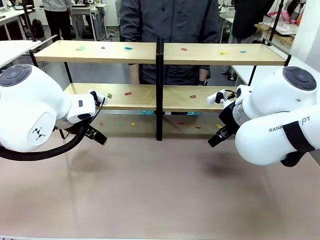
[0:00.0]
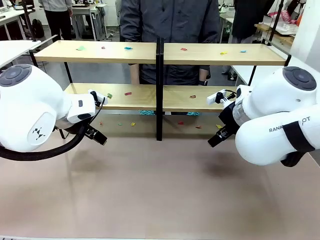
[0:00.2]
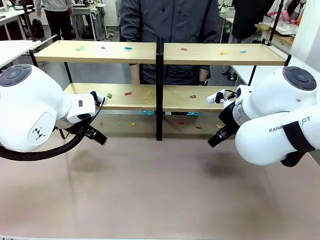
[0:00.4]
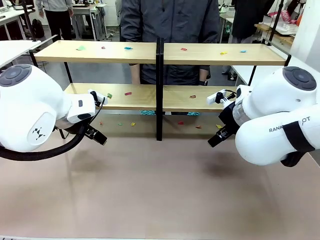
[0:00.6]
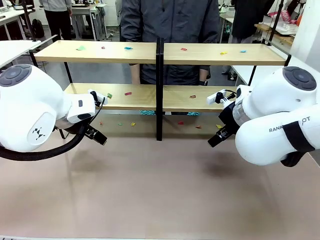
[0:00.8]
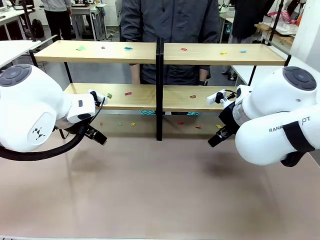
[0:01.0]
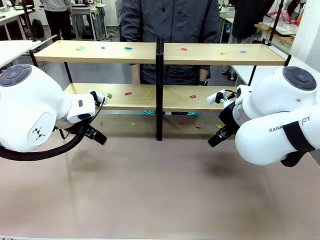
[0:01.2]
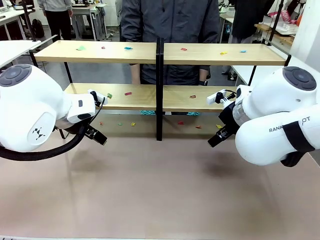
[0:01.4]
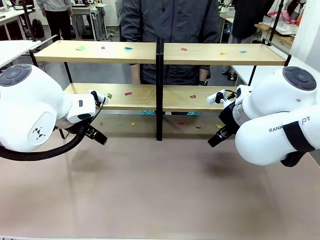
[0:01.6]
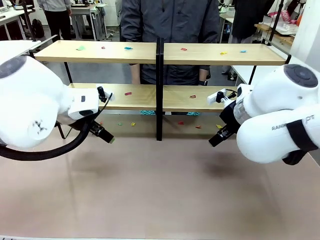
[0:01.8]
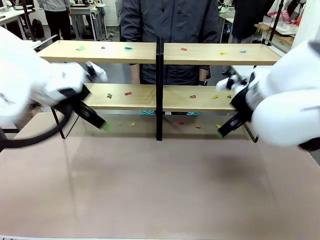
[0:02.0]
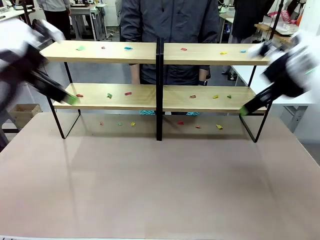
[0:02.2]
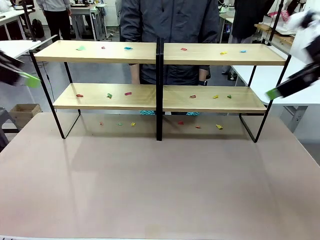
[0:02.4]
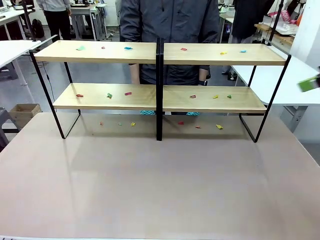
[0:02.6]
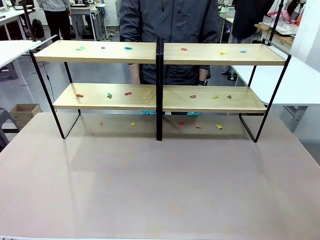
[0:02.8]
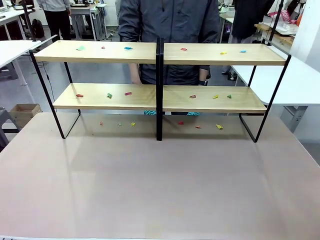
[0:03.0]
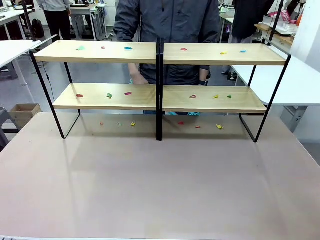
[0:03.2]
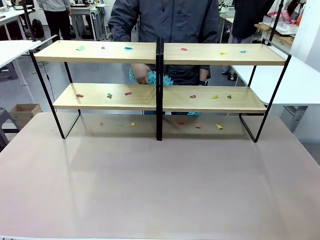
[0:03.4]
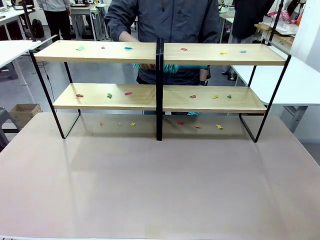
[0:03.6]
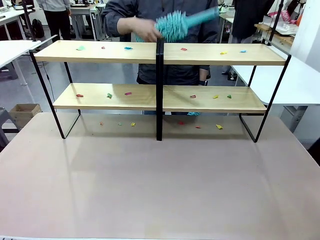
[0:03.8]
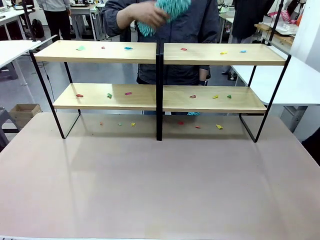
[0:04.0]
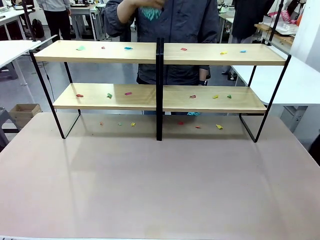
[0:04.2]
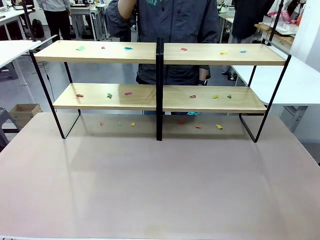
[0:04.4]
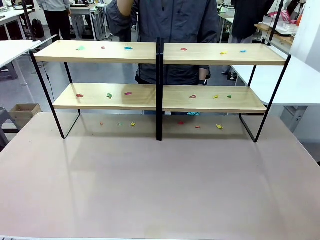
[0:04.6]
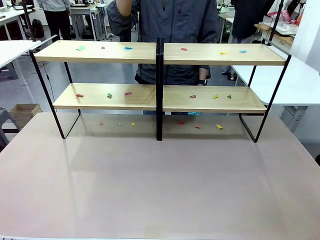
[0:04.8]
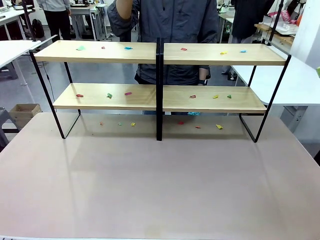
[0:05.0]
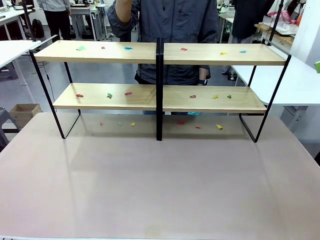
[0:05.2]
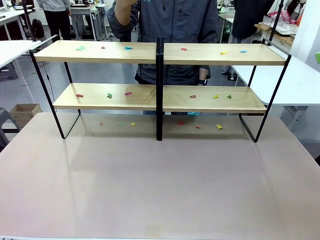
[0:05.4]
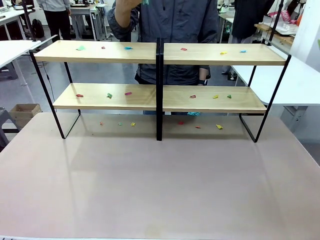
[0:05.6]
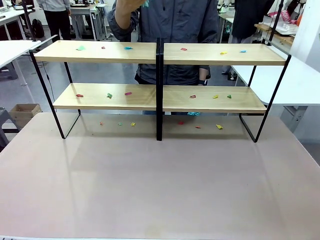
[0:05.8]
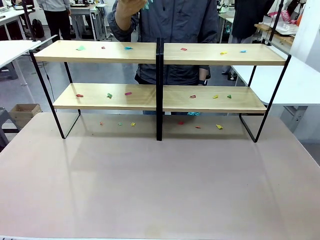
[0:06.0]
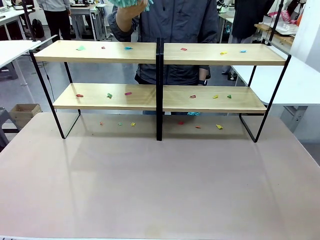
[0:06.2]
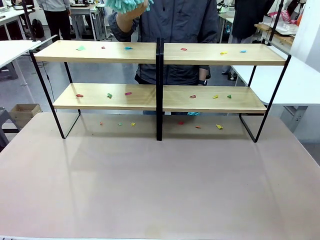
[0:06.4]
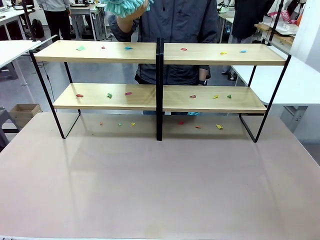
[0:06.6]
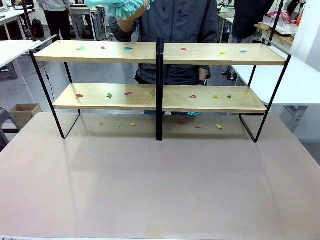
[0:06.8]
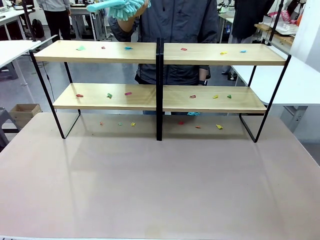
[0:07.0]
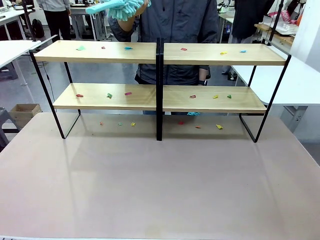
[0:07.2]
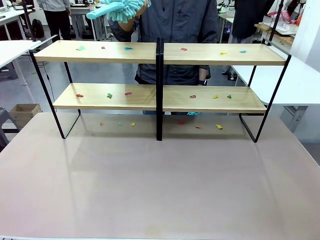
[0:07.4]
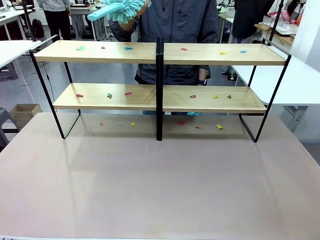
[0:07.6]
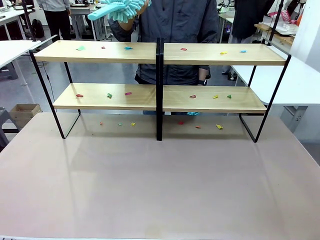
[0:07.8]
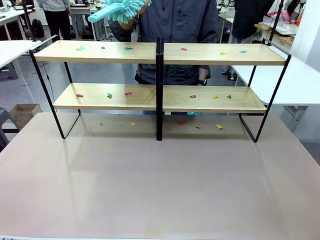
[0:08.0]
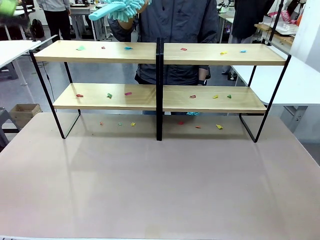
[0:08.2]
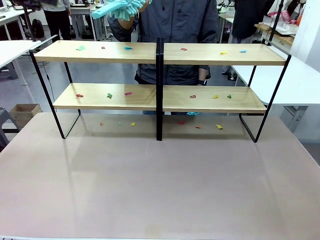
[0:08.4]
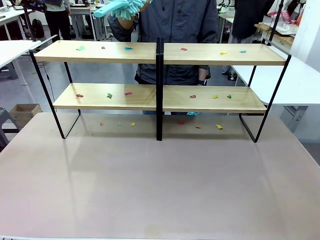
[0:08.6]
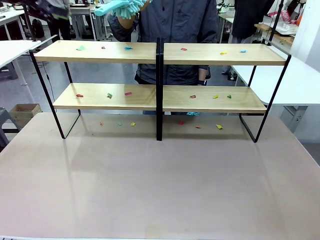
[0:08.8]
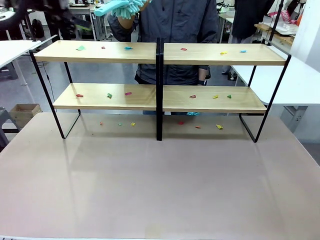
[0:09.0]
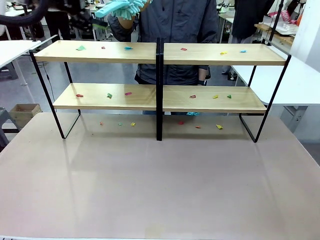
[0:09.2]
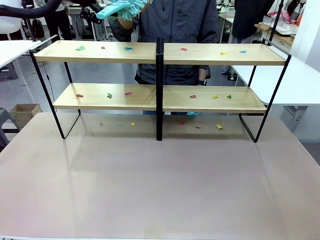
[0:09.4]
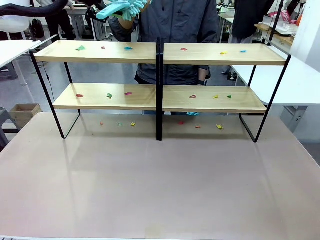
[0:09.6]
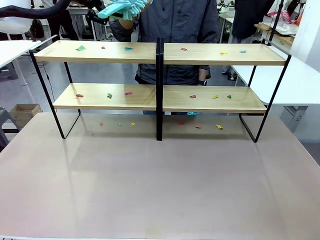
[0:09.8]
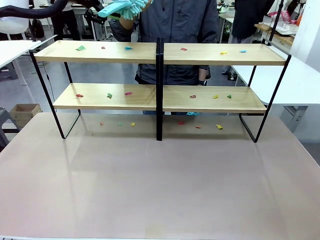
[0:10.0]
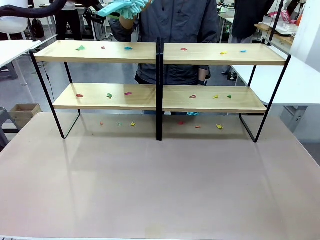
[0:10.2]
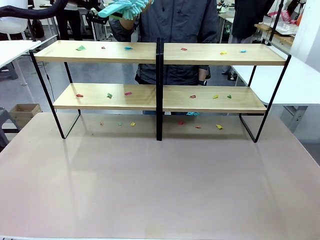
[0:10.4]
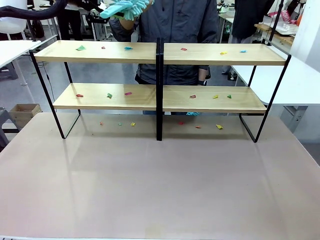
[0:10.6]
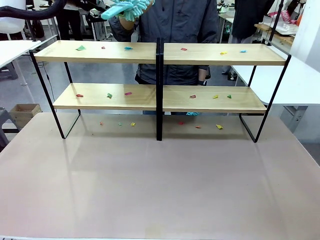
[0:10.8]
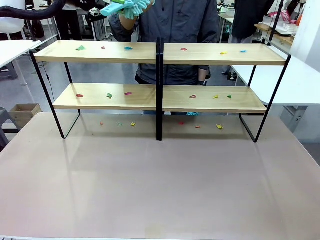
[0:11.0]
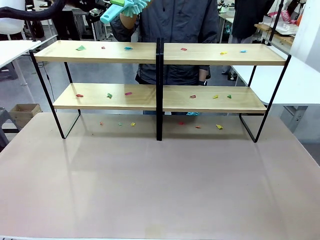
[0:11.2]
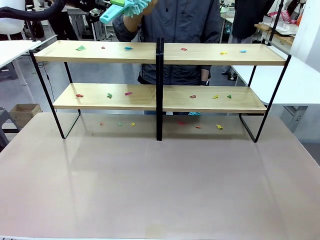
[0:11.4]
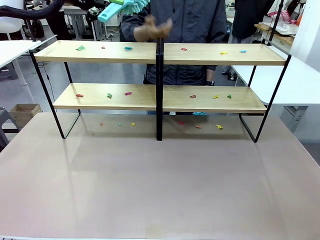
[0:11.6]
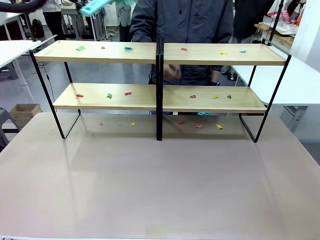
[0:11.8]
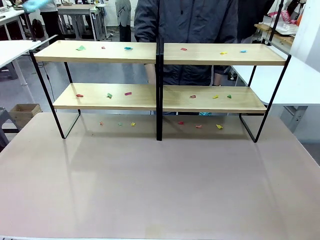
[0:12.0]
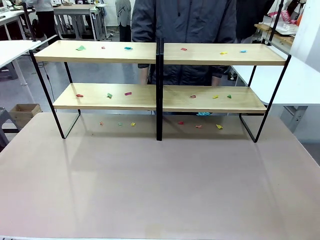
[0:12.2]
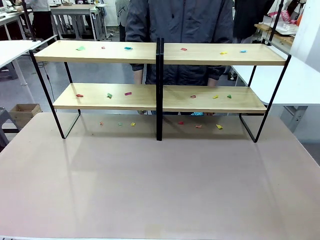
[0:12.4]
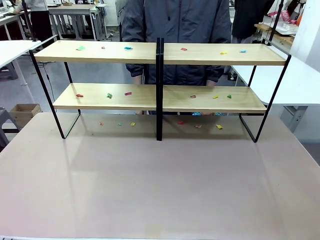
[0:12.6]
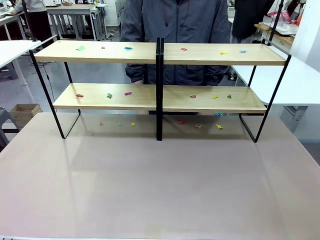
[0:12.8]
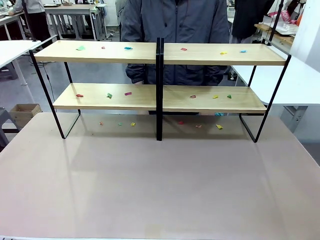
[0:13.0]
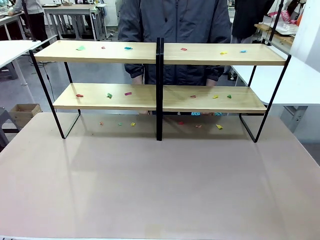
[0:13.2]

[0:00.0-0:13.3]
Task: Clean the shelves.
Robot: Pick up the Duster when the human hands it over.
Person: Hand the Duster to the robot with your right (or left) hand.

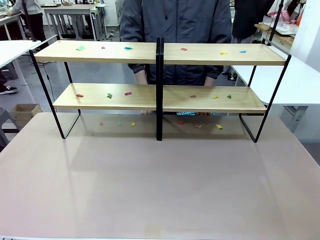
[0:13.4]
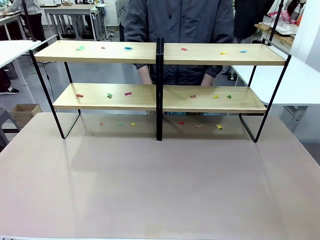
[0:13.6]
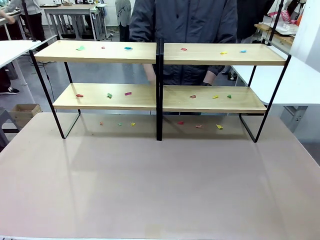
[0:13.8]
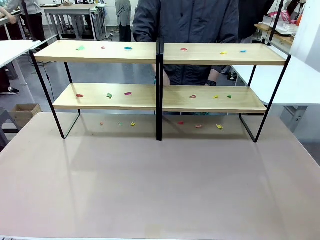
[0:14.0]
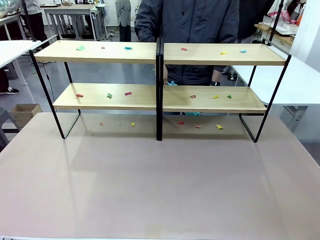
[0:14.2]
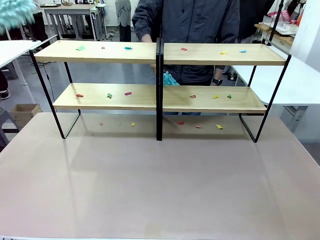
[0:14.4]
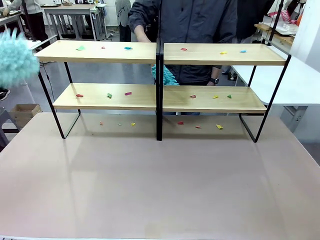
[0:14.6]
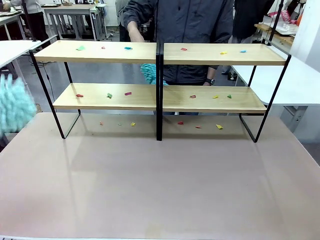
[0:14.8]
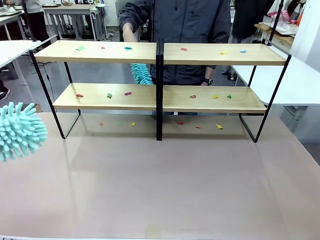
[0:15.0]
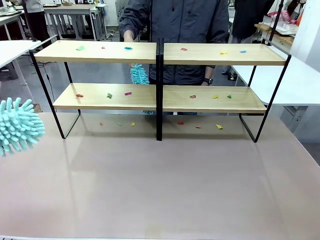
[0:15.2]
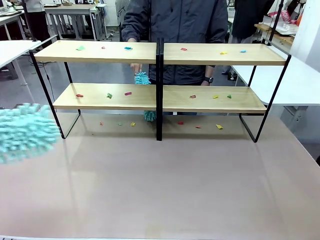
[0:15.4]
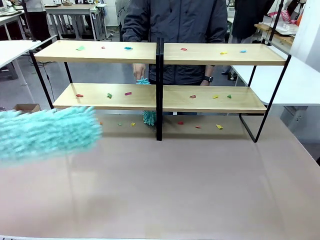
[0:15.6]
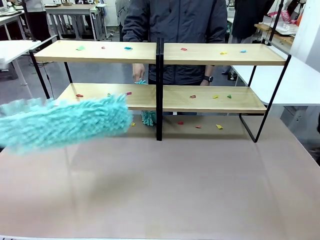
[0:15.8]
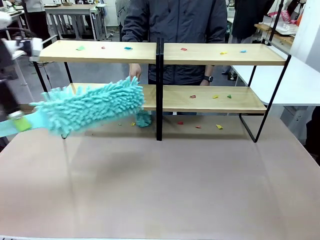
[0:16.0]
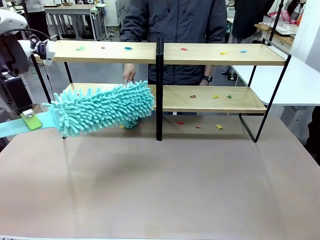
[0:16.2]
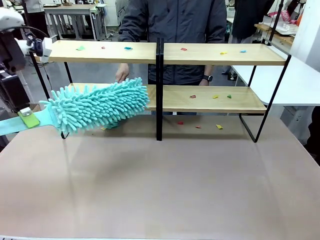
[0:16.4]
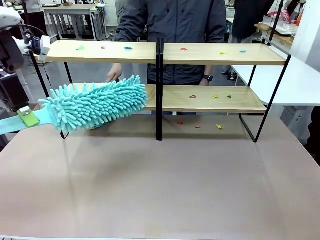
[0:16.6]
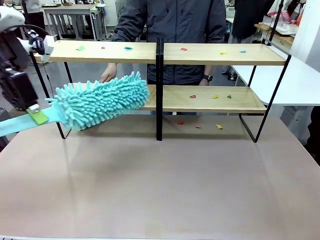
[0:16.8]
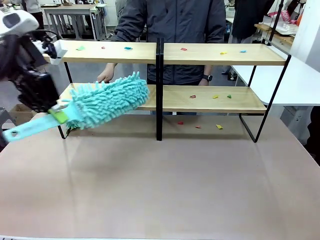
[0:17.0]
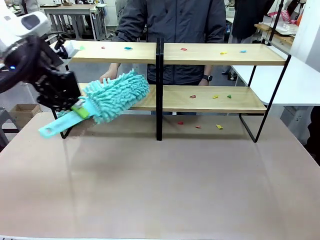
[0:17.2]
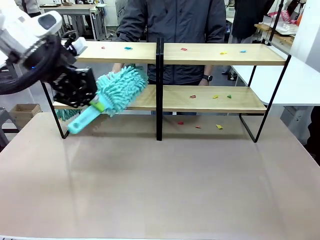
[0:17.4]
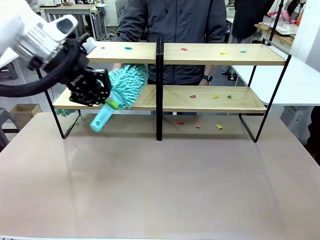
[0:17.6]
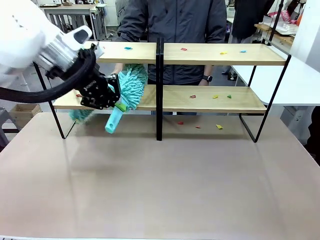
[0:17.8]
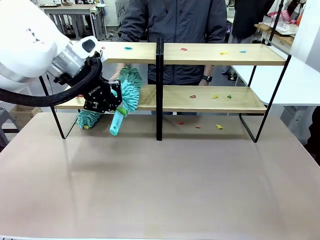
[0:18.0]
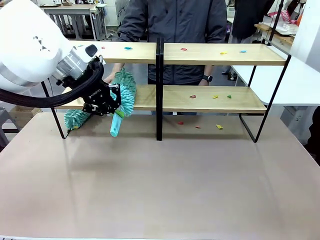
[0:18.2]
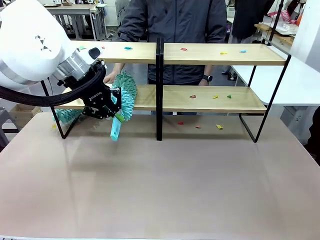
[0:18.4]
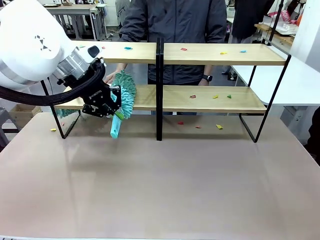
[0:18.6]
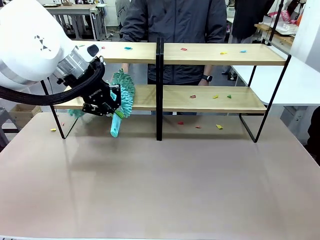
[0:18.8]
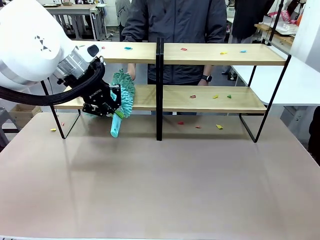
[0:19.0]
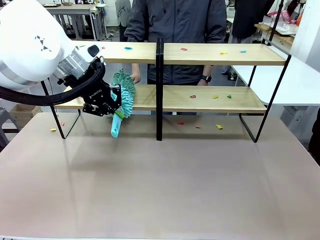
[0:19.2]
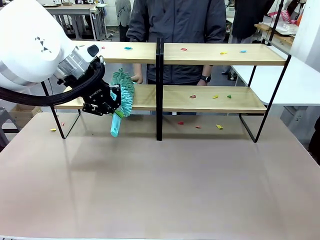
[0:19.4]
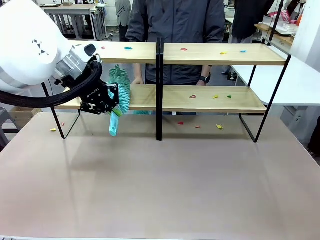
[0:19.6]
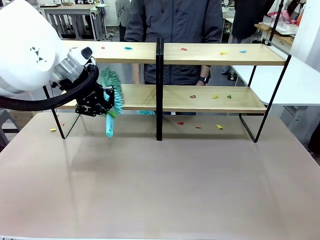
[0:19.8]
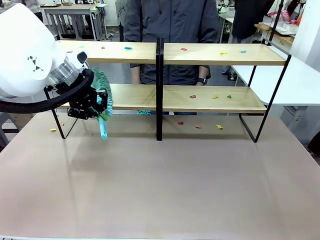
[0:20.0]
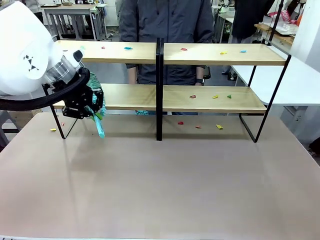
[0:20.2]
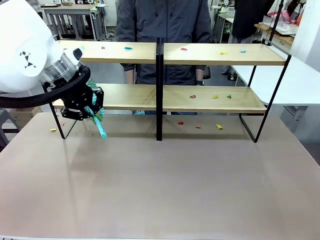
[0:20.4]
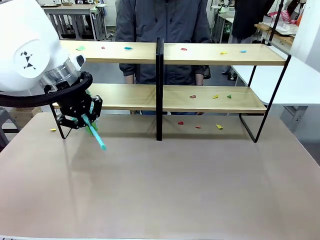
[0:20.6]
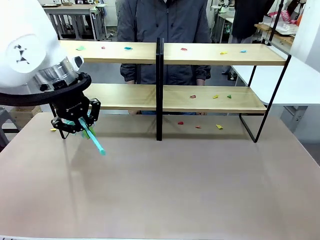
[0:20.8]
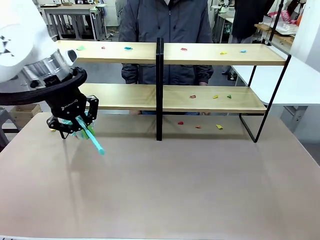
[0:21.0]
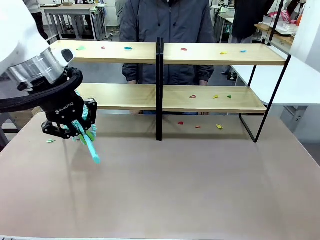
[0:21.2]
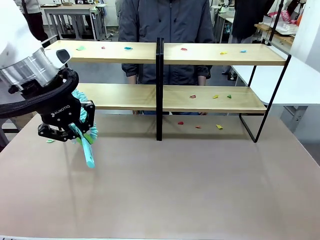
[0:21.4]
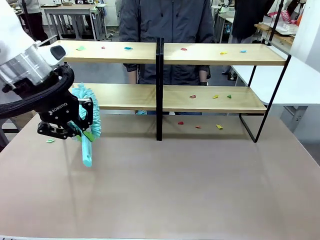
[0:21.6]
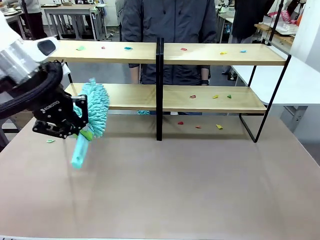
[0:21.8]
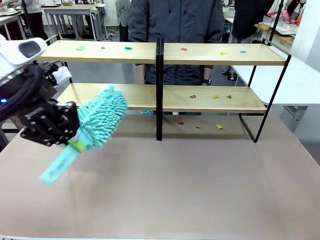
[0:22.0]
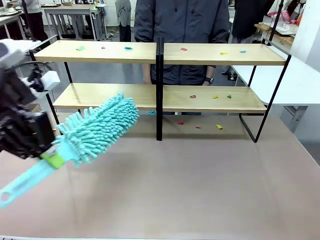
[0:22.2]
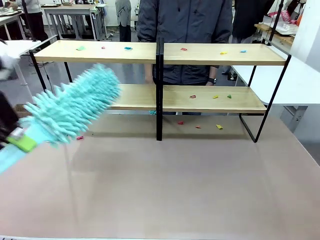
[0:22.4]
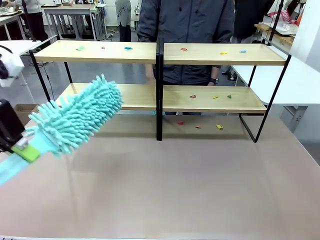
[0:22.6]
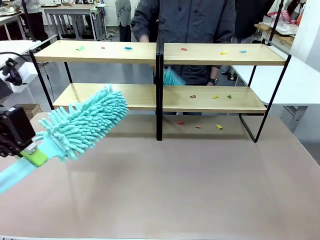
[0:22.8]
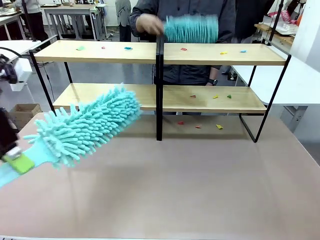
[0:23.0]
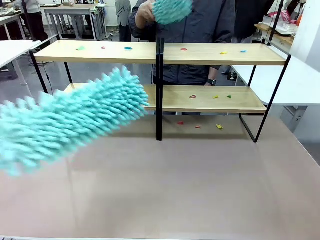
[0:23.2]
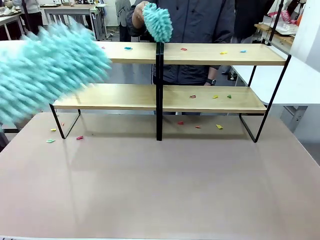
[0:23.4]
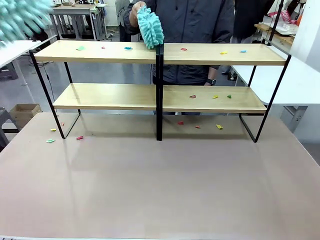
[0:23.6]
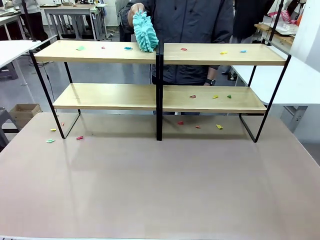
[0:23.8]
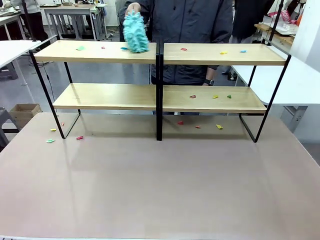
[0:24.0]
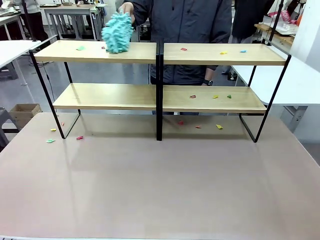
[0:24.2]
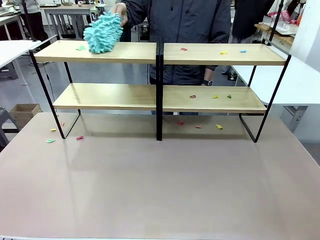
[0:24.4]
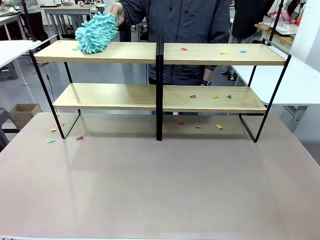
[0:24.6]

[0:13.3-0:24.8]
Robot: Clean a randomly selected level of the Shelf with the Duster.
